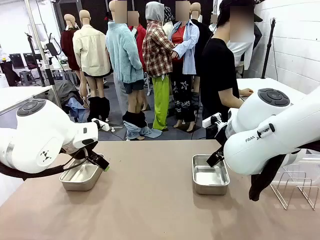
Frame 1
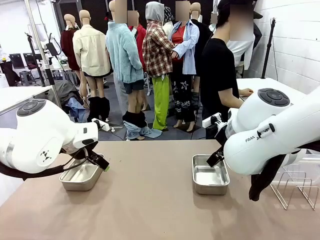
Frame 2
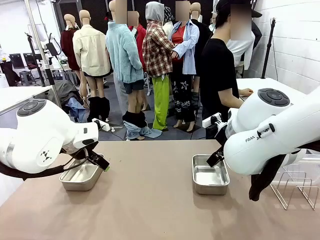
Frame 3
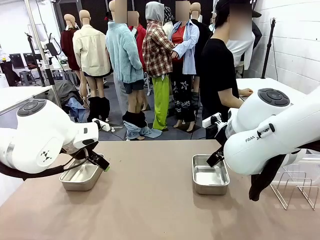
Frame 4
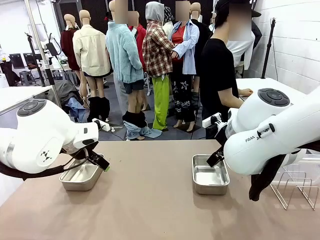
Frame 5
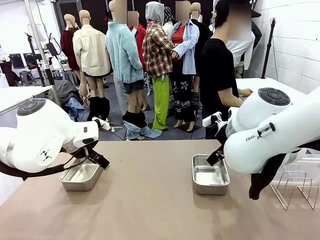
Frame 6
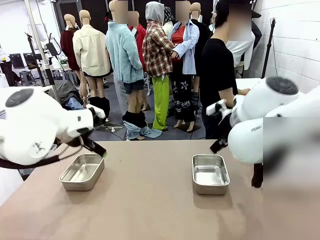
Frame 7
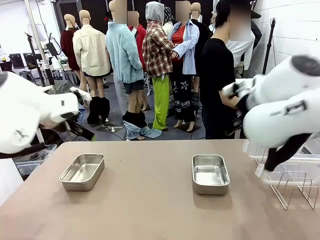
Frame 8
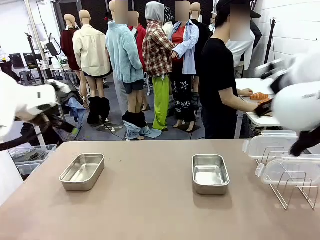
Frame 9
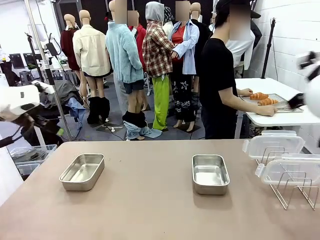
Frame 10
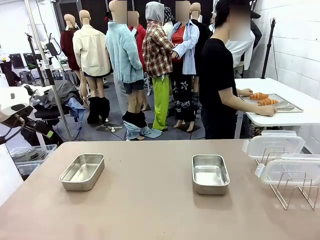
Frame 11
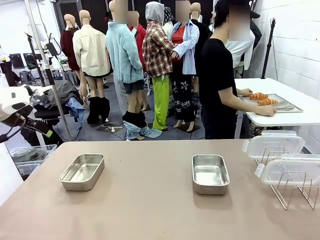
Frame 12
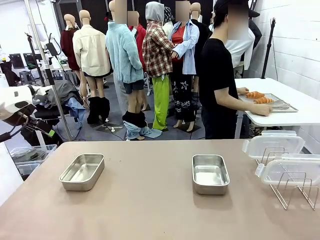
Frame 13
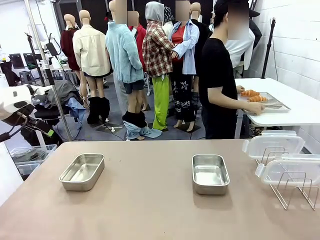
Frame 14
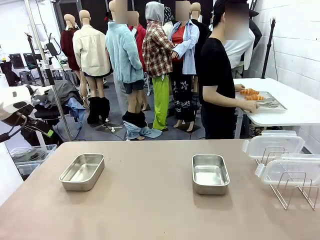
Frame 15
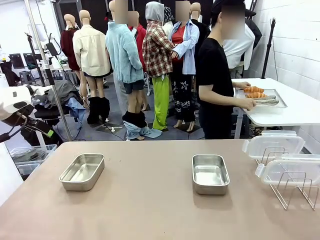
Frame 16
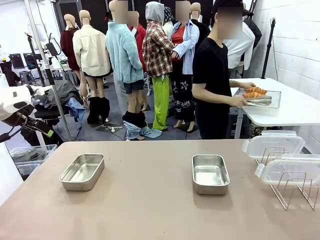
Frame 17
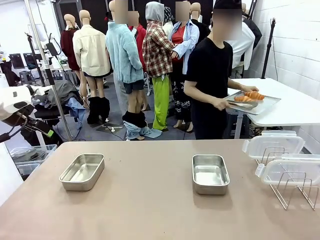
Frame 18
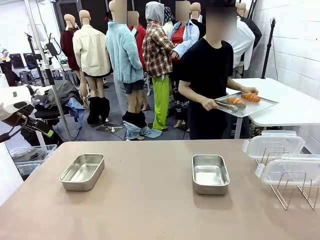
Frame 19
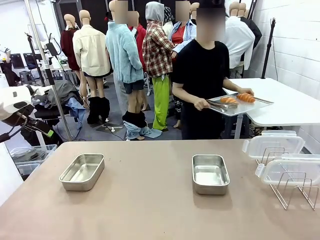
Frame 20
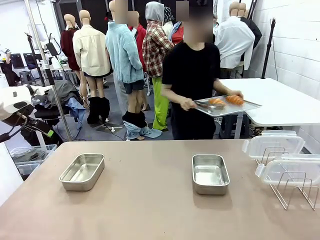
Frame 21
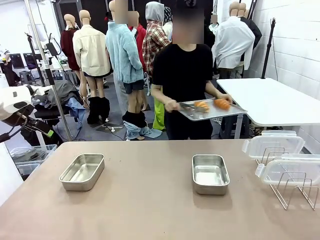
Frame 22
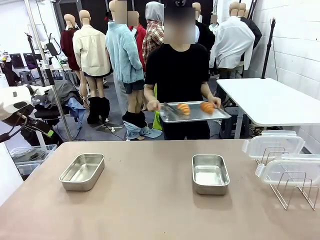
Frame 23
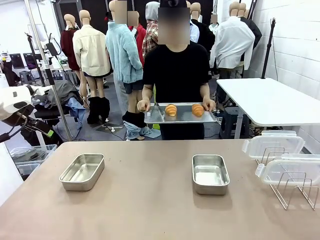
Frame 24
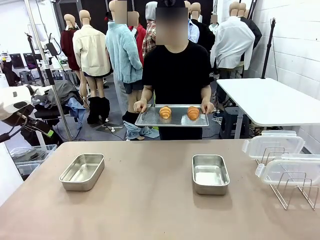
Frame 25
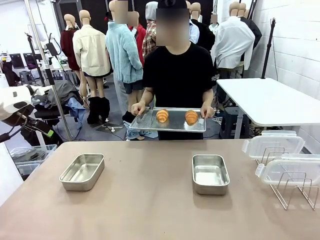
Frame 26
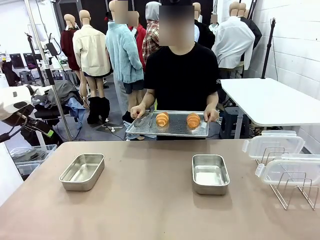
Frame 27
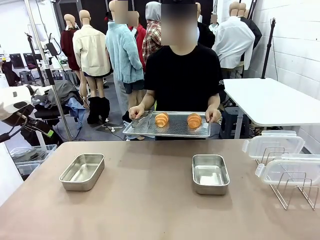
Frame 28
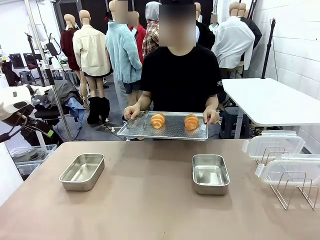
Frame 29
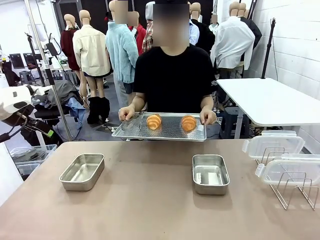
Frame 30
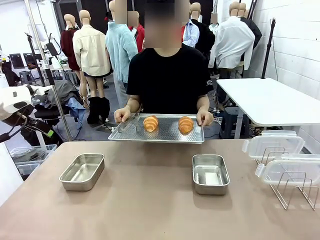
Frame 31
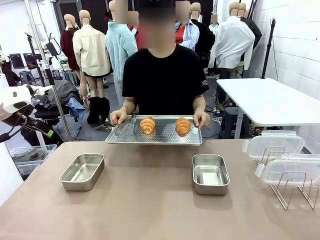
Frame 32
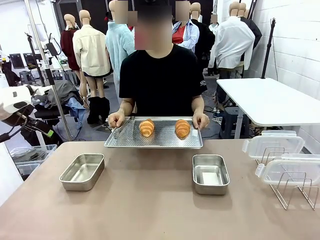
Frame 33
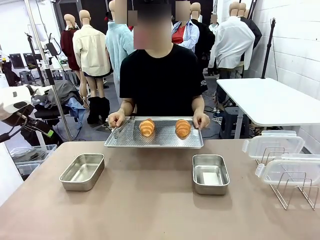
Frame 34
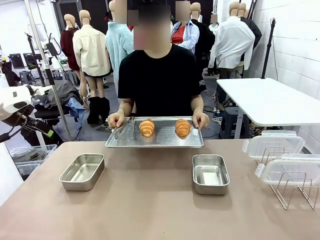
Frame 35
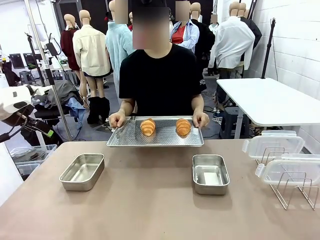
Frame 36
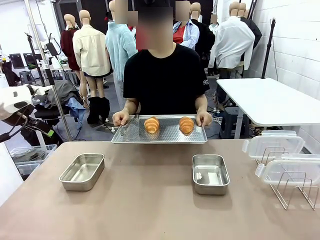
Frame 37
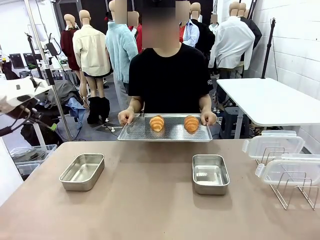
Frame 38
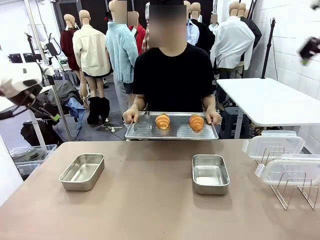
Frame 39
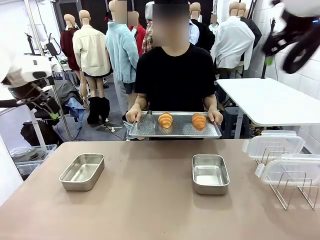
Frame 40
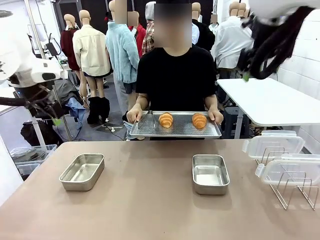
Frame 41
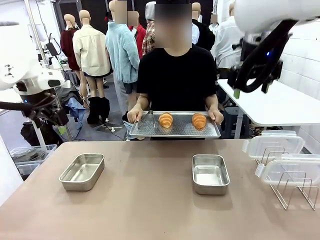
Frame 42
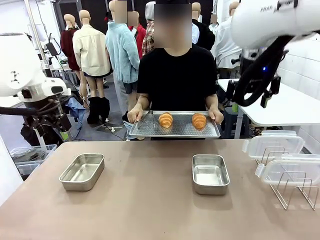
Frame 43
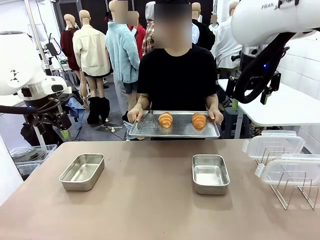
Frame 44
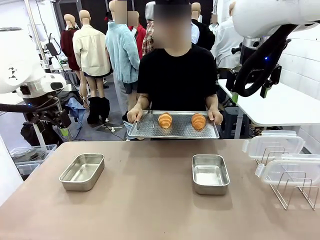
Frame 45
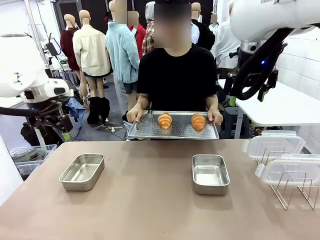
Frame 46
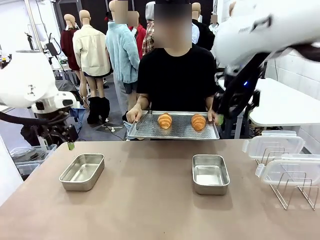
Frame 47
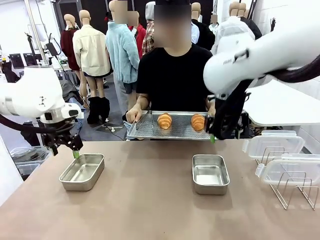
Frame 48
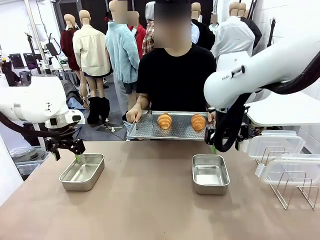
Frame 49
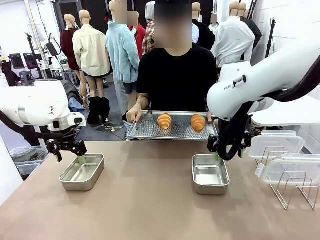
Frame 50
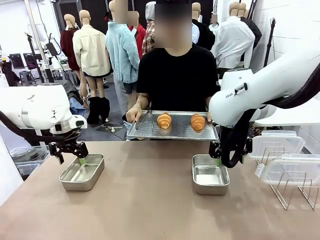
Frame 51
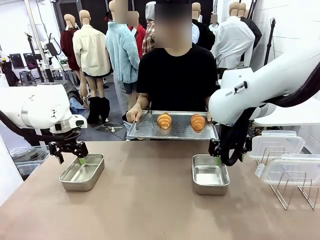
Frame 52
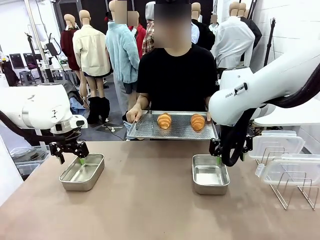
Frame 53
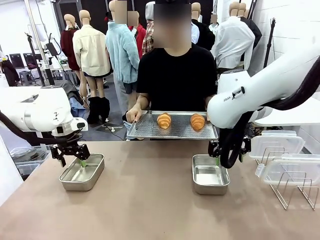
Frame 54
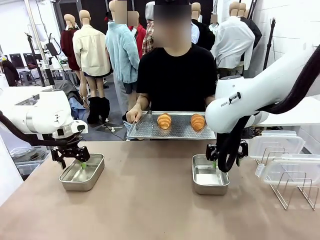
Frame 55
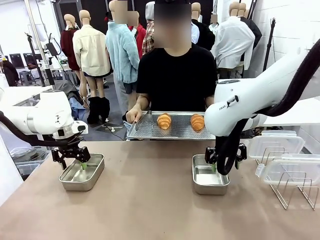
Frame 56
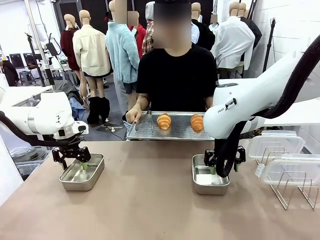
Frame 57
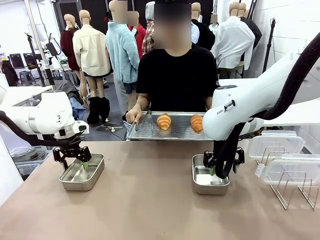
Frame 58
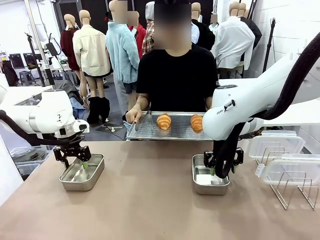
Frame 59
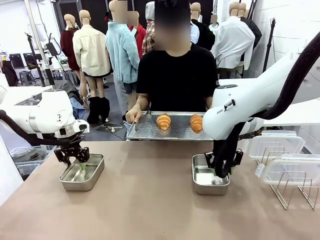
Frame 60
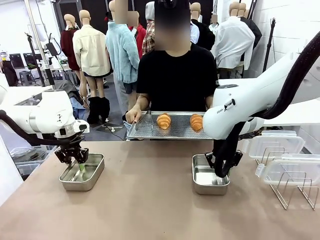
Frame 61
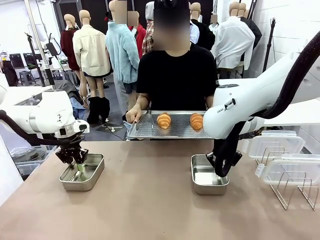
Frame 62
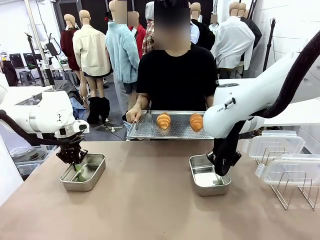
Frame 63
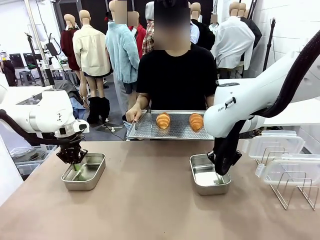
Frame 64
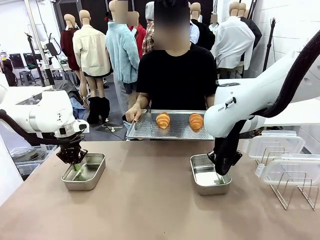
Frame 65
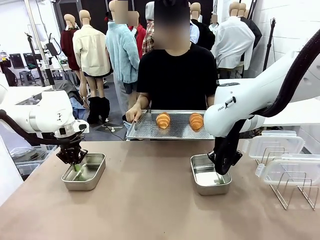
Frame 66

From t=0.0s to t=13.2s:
Task: Place the bread in airtight containers.
Robot: Lift both Airtight Container.
Person: Bring the Baking Sheet in front of Robot's Table.
